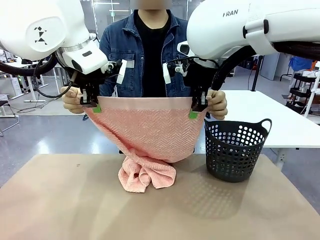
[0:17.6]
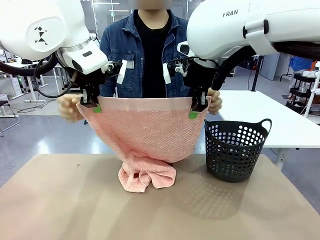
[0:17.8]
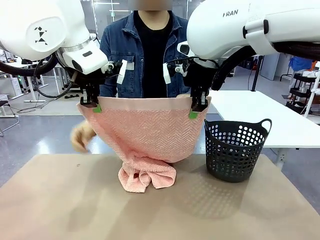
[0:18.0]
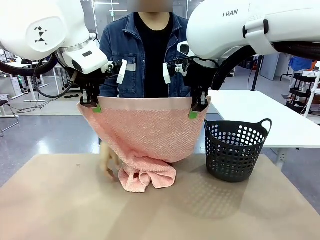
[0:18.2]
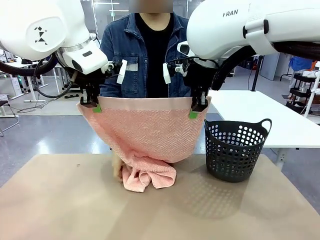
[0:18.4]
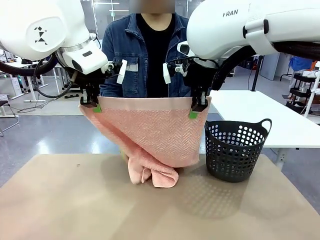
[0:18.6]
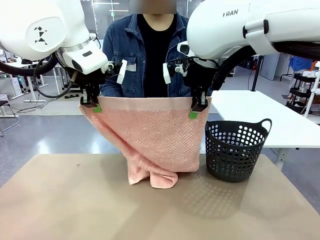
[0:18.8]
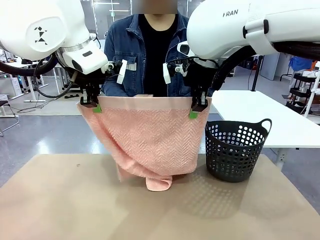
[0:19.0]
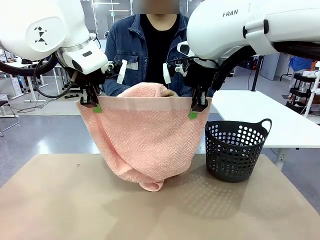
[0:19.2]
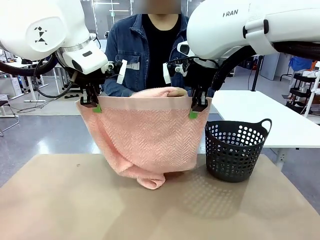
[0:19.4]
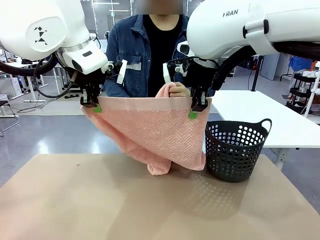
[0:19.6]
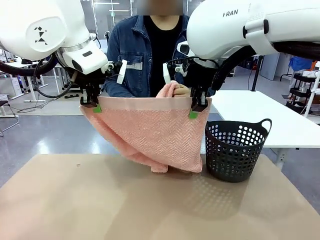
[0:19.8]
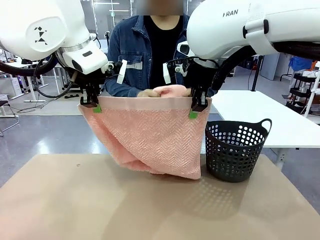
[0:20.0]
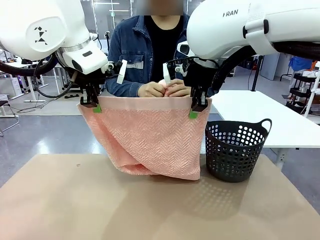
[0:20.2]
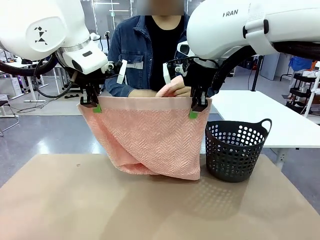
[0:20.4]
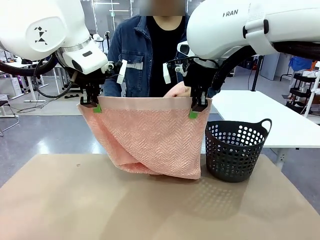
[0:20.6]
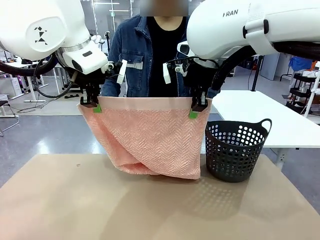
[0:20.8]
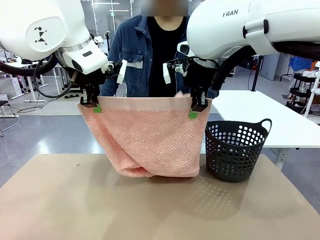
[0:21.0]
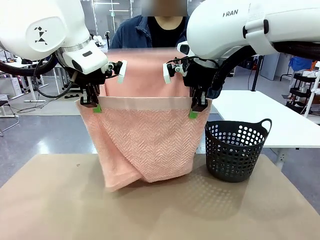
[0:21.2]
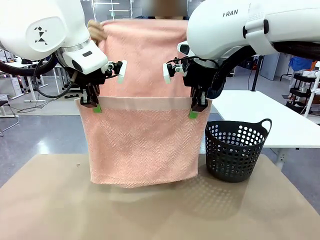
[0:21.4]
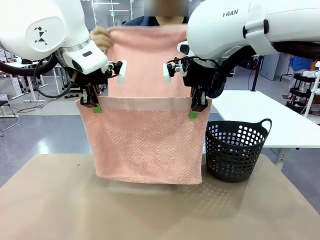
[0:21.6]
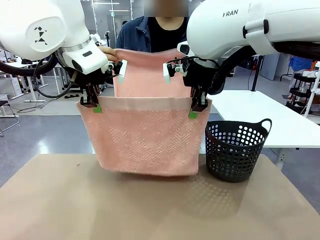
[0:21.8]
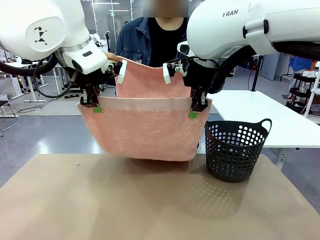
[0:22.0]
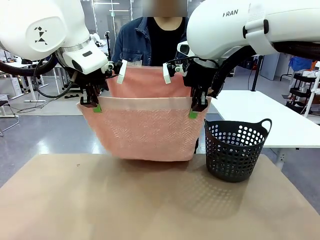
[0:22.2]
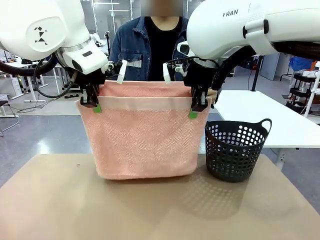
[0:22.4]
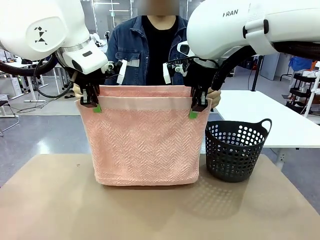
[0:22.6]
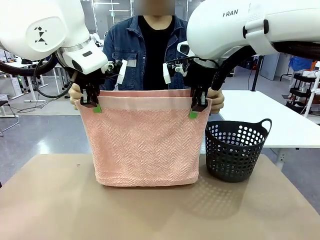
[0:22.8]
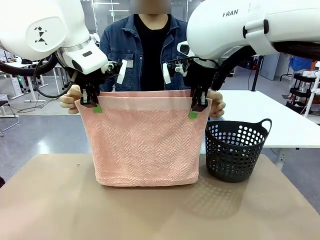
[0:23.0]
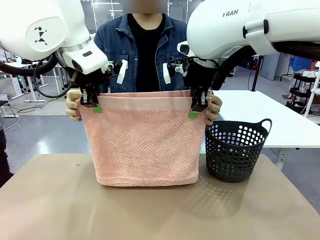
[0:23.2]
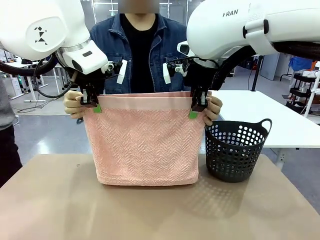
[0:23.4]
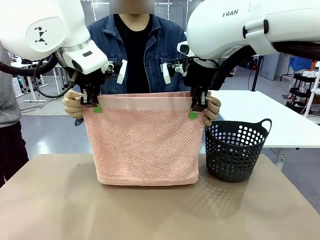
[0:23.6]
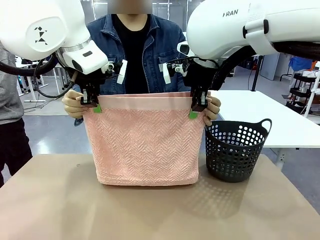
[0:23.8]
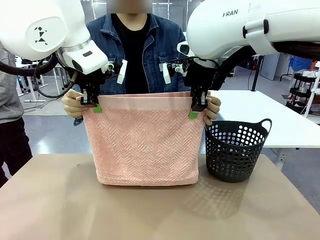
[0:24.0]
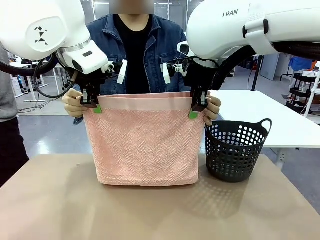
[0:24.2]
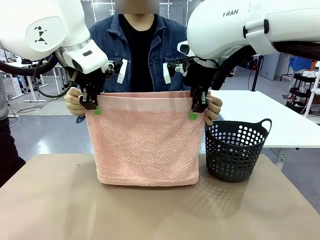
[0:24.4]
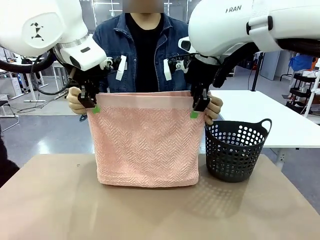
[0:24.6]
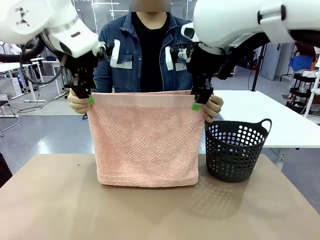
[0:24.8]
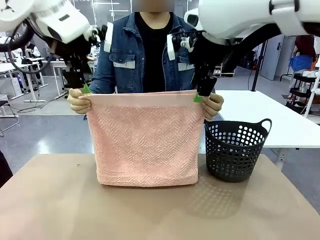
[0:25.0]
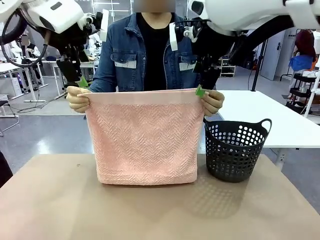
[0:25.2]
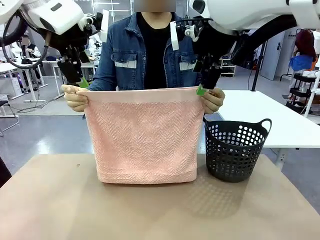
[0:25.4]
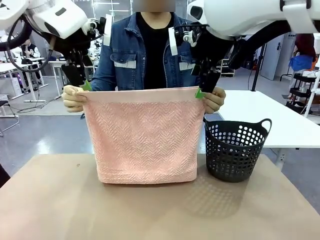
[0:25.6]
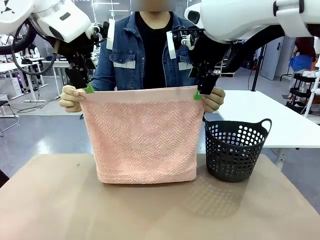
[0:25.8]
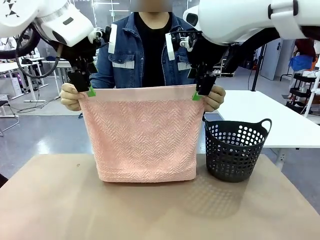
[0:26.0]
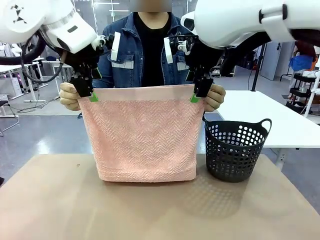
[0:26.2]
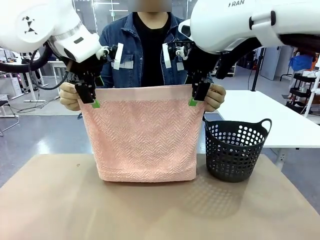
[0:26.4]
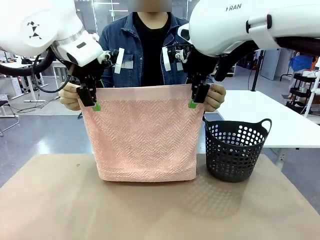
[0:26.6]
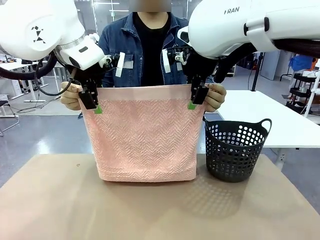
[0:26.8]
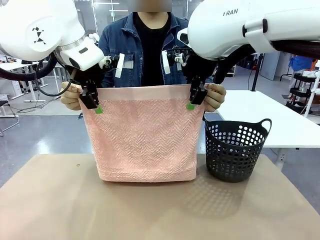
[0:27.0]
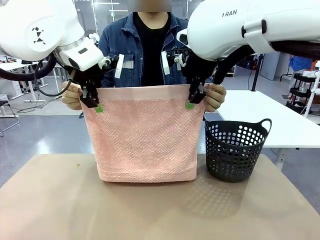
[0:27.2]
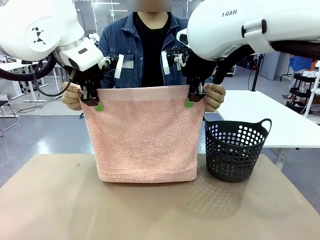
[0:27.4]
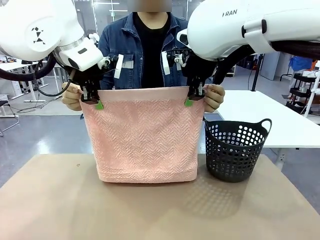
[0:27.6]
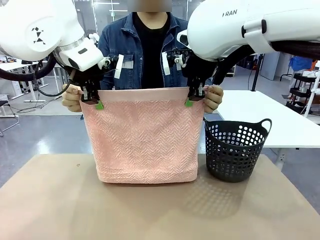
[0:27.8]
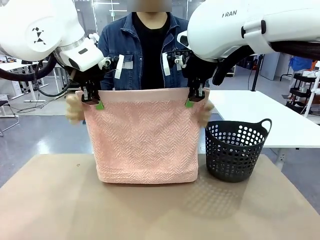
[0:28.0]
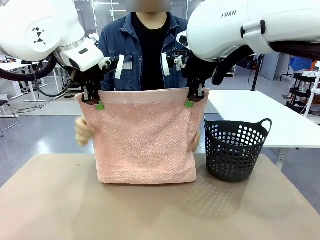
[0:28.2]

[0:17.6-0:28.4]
Task: Fold the towel.
Robot: Release the end of the 100 cm Hotel Towel you were holding and grab the top end of the folded side.
Person: Using the point held by the robot as a reference, grasp the opposite end, fold the towel in half, and then hold both ends of the folded towel.

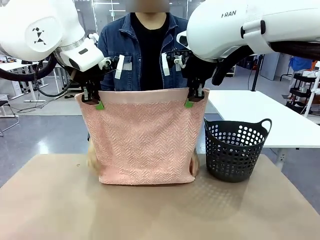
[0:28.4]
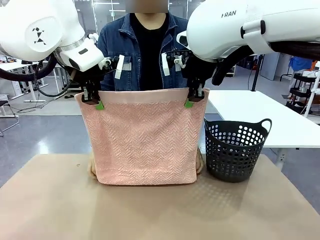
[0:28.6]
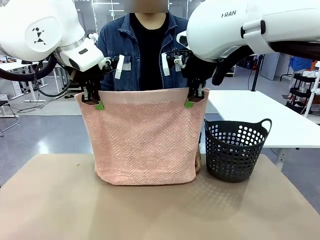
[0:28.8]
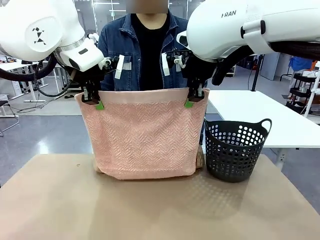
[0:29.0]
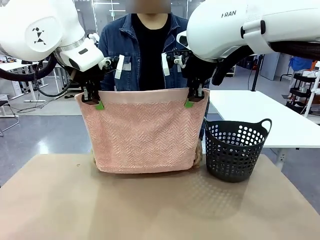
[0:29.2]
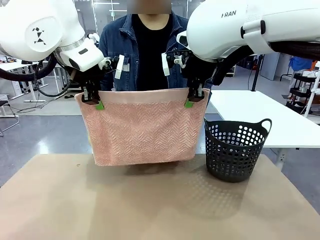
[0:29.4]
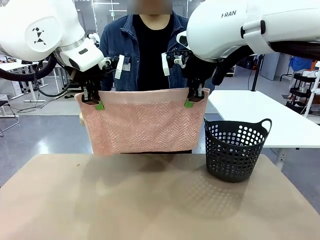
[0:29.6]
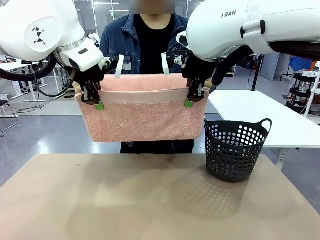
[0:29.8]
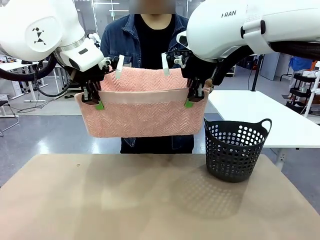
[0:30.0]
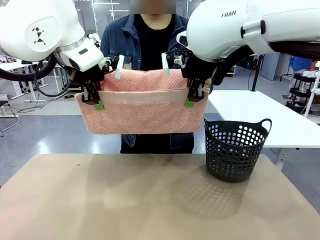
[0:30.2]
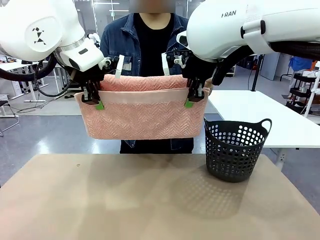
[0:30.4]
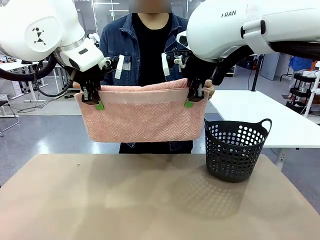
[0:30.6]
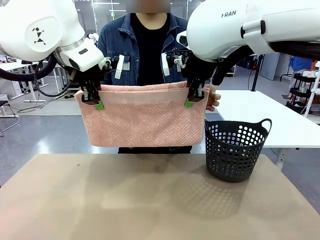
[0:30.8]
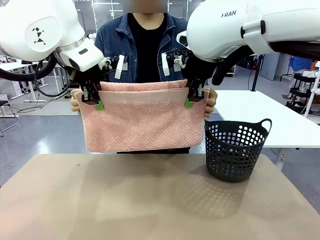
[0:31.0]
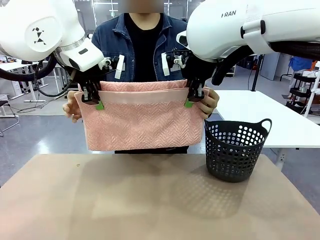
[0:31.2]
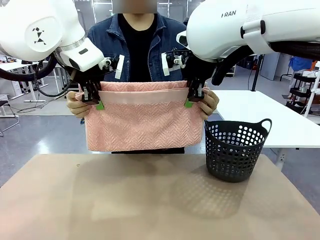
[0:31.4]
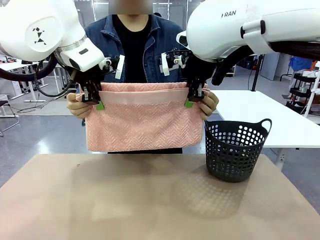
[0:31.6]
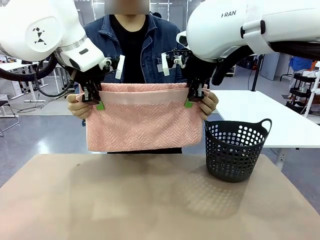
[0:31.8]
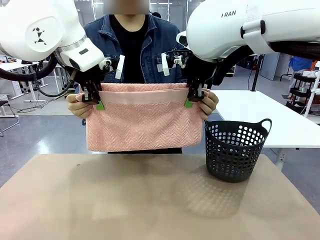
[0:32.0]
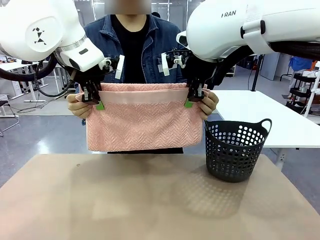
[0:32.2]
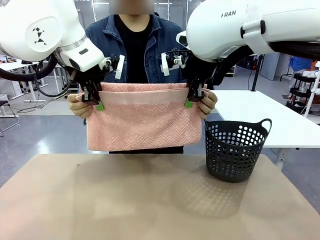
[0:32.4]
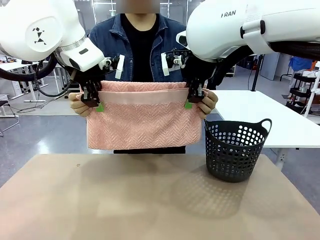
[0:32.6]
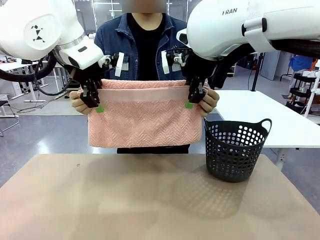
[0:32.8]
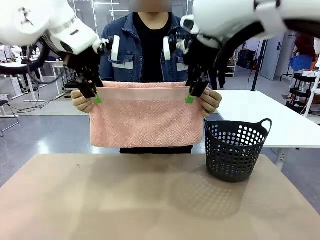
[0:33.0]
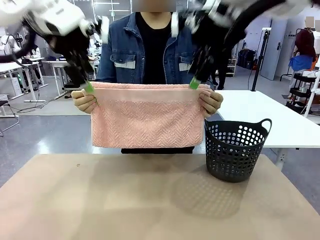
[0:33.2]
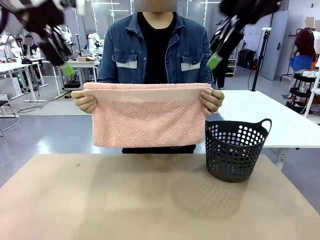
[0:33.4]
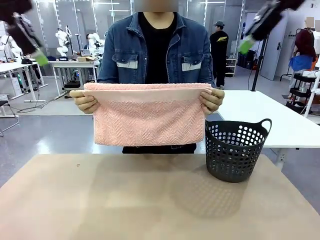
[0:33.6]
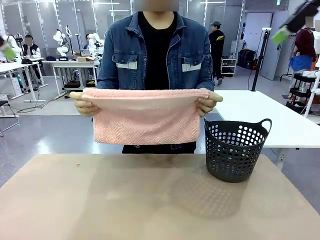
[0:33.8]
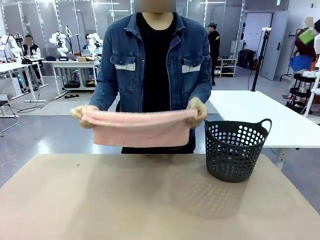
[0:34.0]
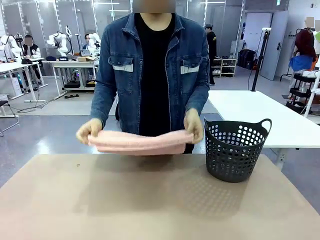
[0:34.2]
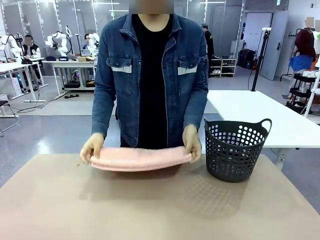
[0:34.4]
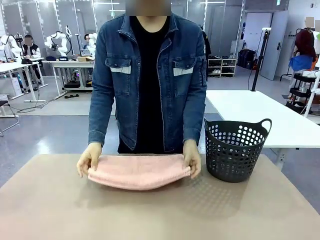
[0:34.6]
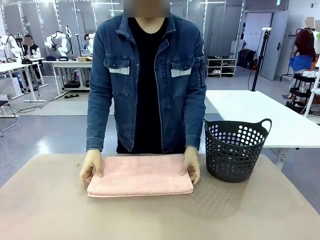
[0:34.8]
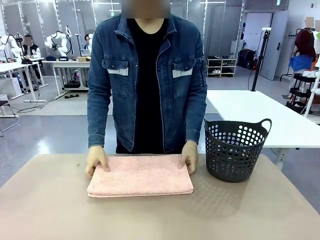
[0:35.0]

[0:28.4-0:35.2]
Robot: Release the end of the 100 cm Hotel Towel you were holding.
Person: Place the towel at the center of the robot table and fold it in half.
